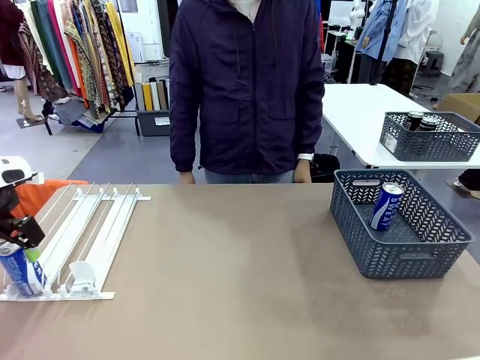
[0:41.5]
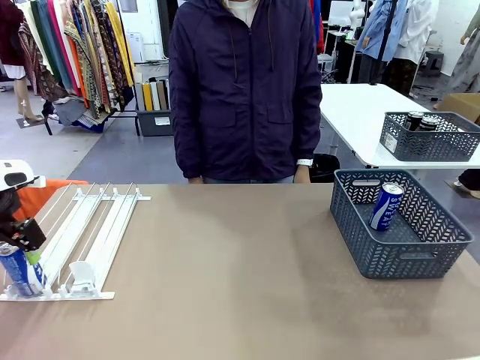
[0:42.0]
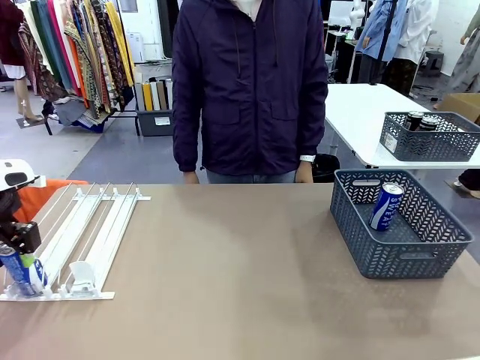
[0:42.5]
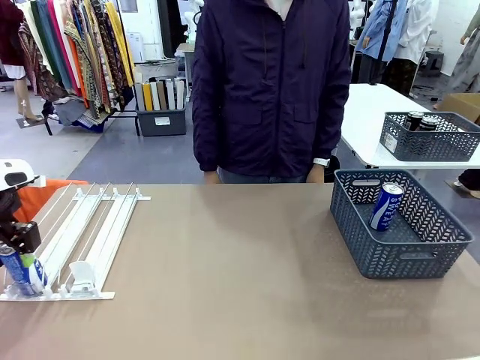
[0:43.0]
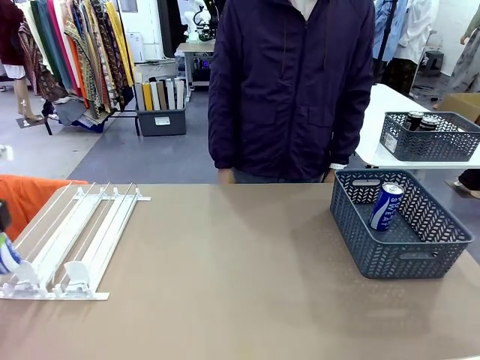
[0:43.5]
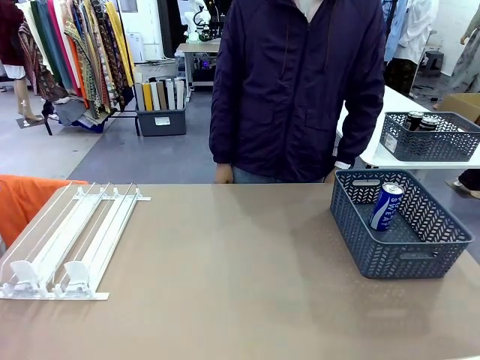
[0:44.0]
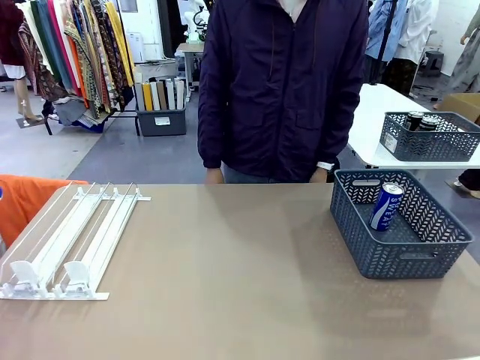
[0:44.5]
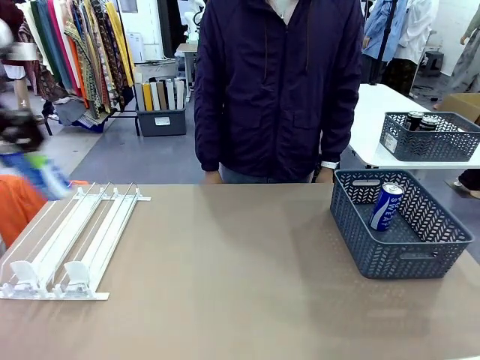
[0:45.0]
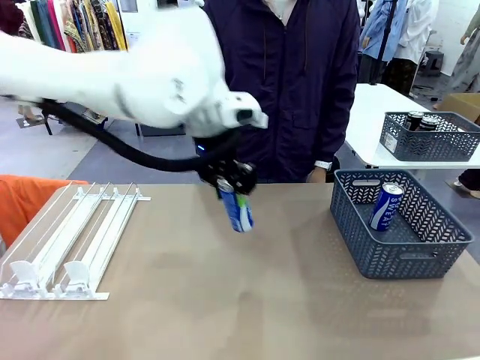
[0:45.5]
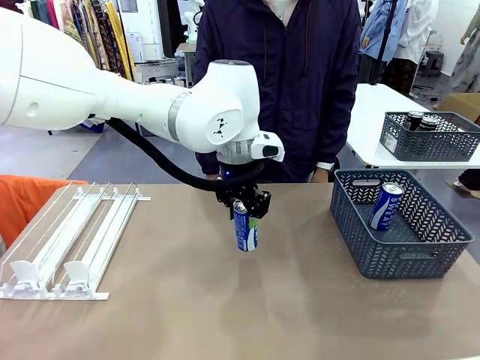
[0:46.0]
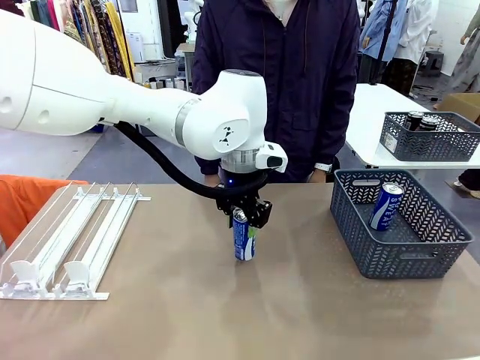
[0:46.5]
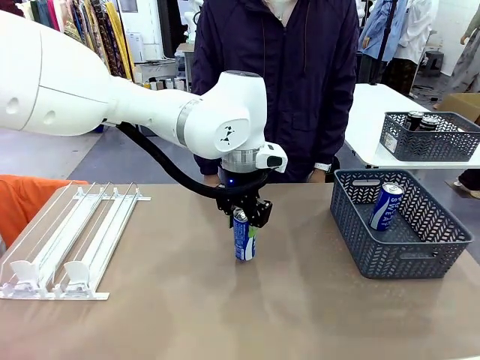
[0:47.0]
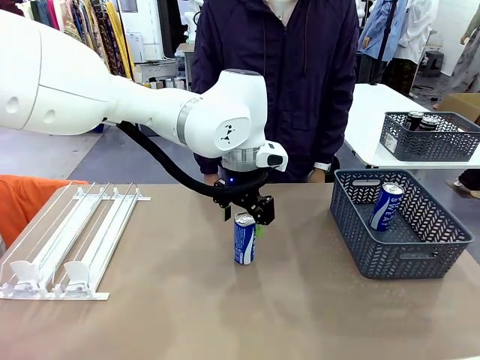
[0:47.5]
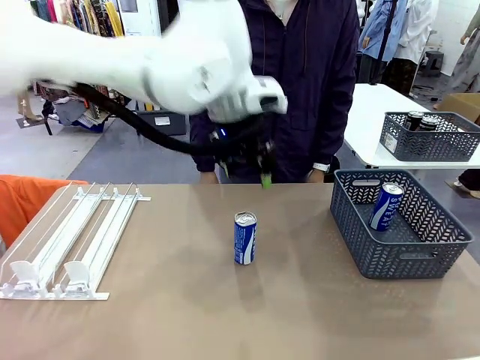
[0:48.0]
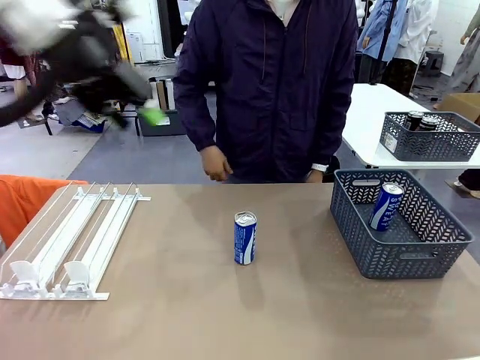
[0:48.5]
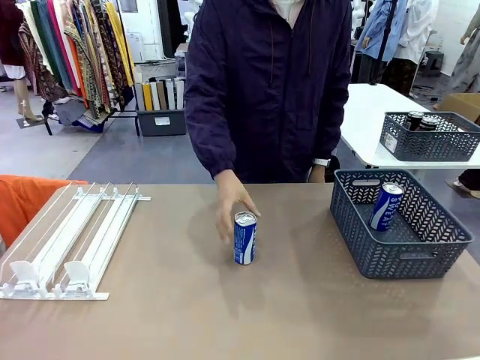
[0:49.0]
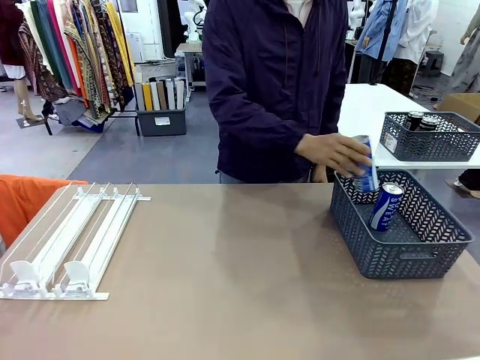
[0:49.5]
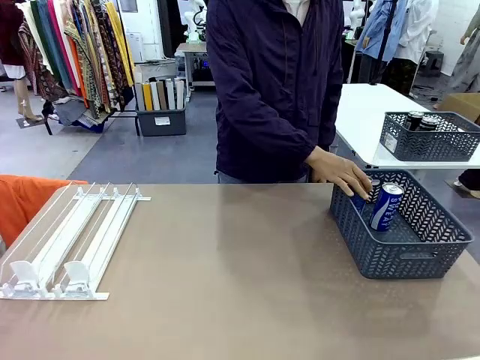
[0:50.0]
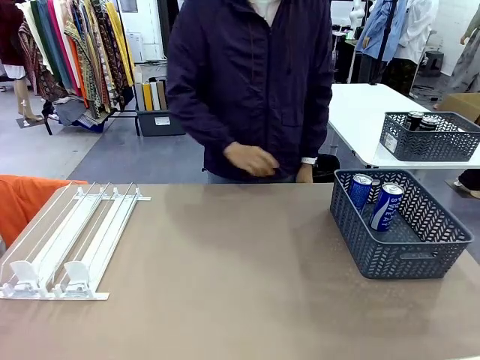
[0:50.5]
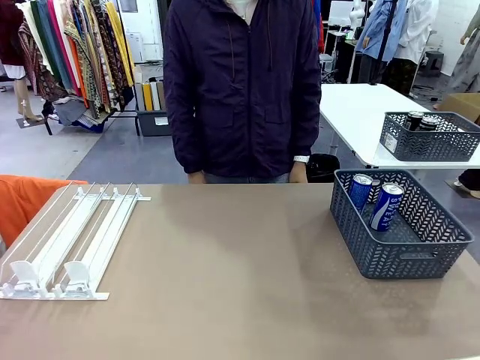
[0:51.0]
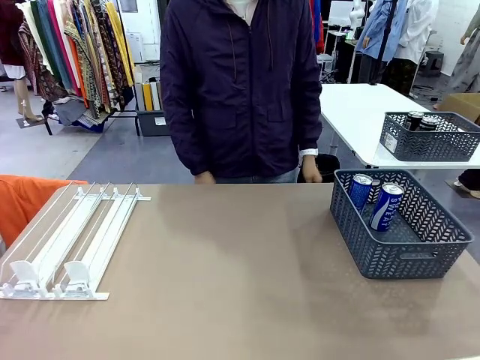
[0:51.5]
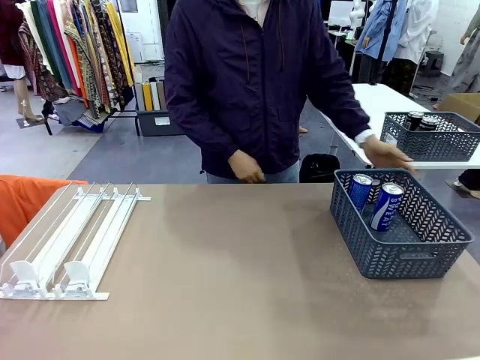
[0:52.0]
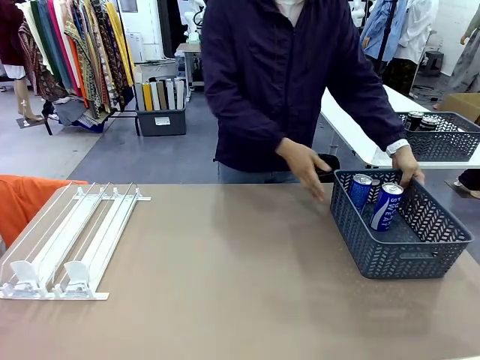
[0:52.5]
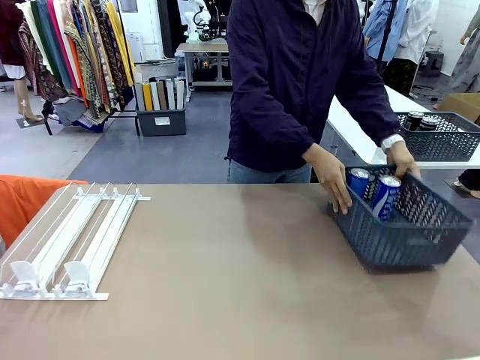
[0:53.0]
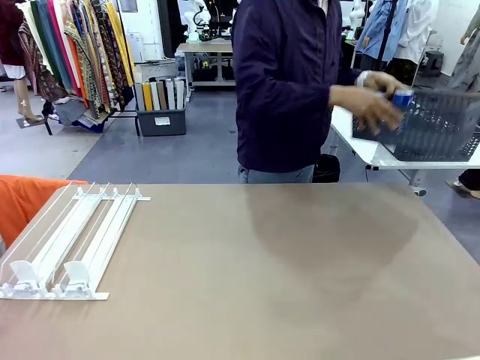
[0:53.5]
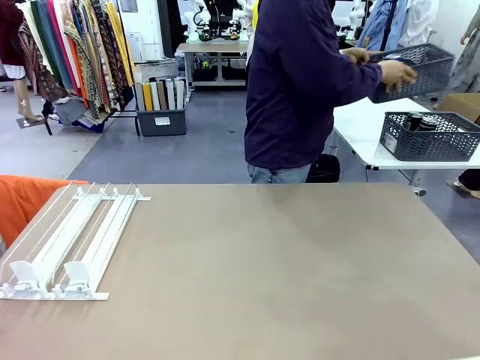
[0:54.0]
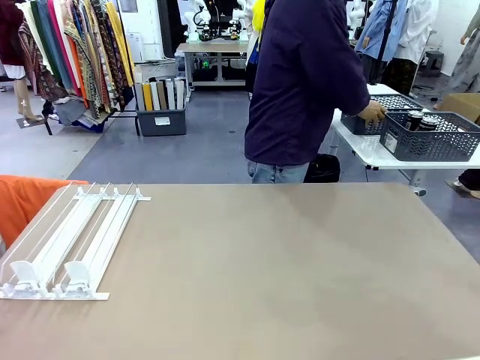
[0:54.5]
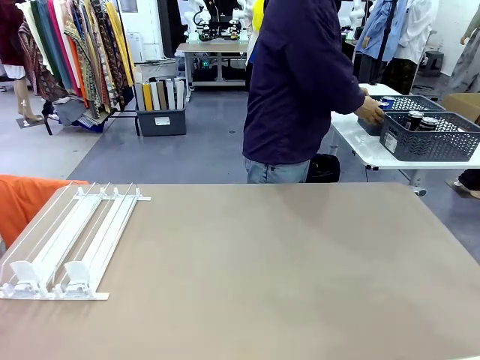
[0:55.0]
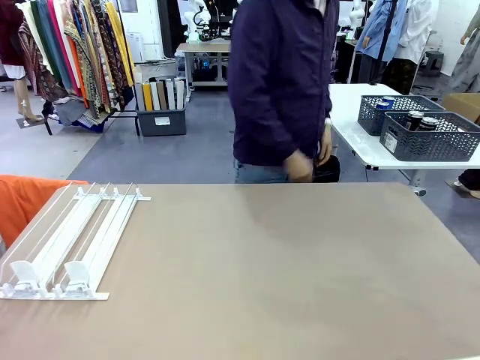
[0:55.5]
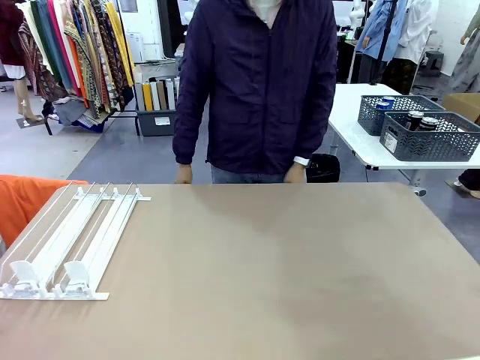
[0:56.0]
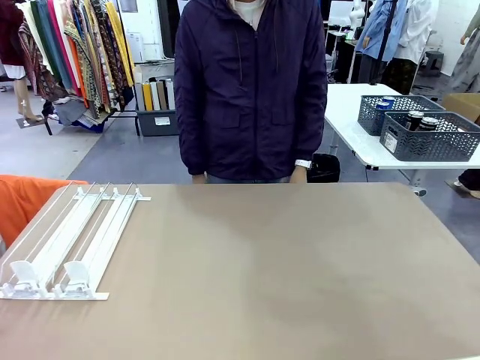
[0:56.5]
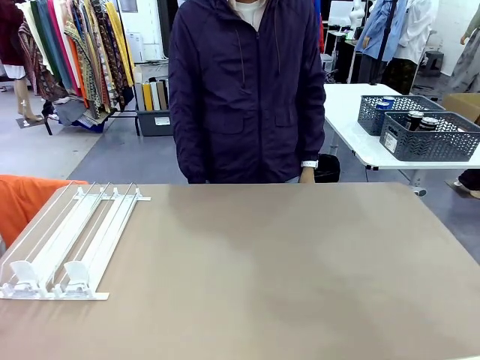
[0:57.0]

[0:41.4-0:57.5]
Task: Retrieve and store the cans from the dispenser.
Robot: Pick up one can from the Automatic Can Dispenser and place it in the middle of the table.
Person: Pick up one sports drink can from the middle of the robot table and place it in the basket. Pick up the basket and place it in the middle of the human table.

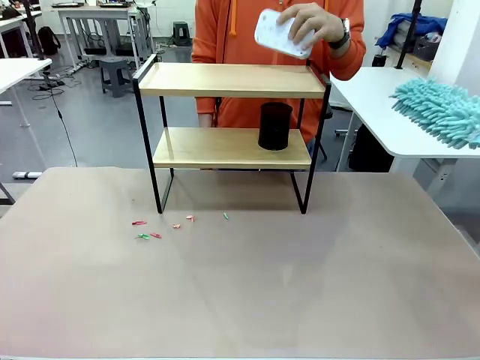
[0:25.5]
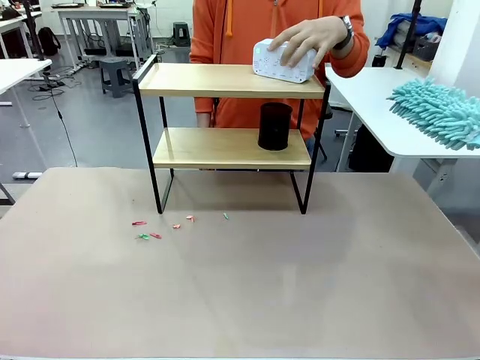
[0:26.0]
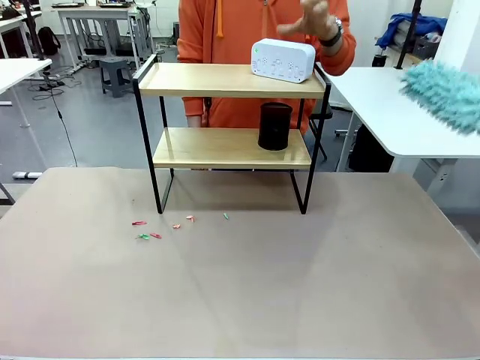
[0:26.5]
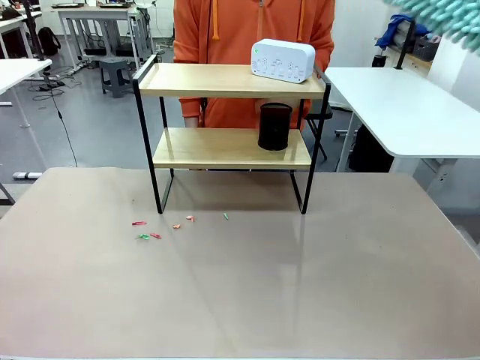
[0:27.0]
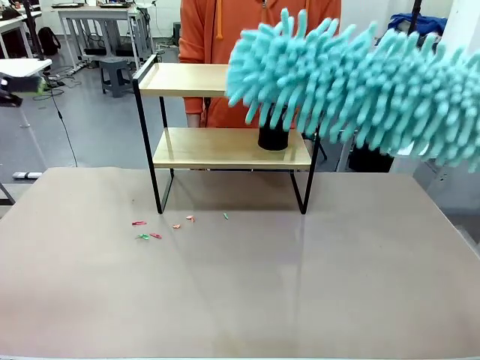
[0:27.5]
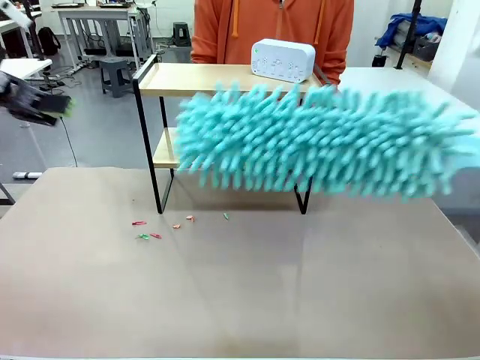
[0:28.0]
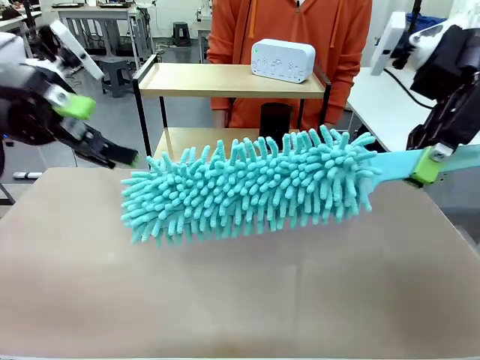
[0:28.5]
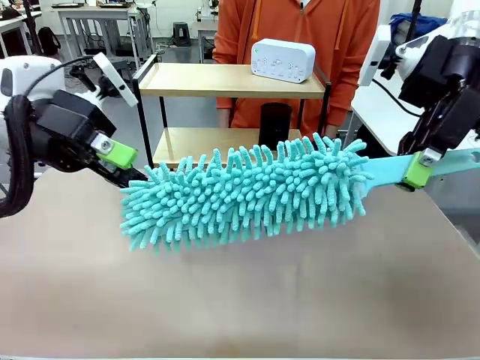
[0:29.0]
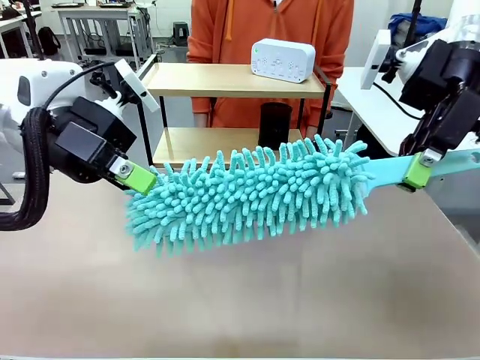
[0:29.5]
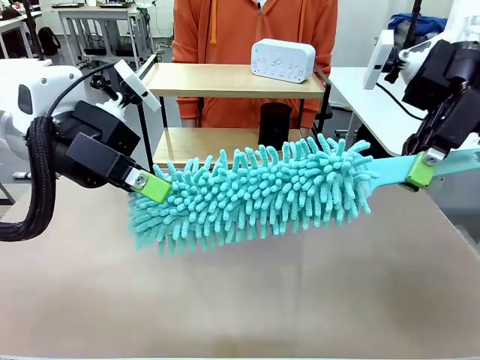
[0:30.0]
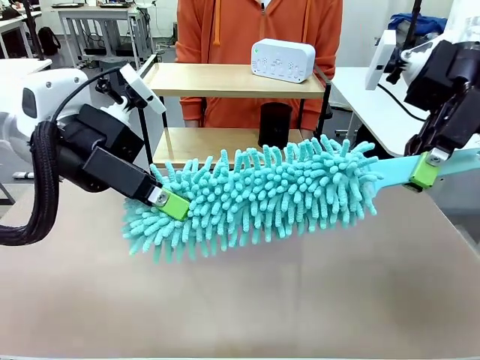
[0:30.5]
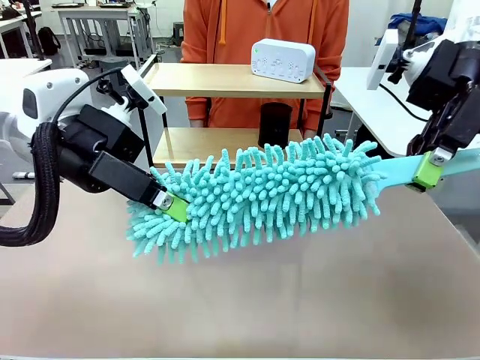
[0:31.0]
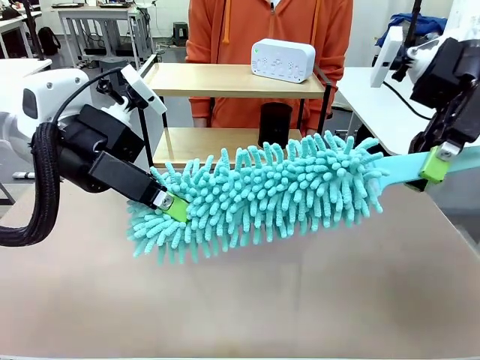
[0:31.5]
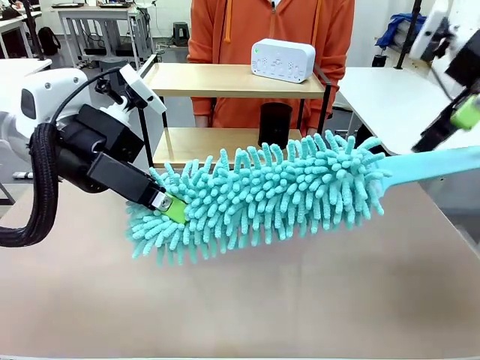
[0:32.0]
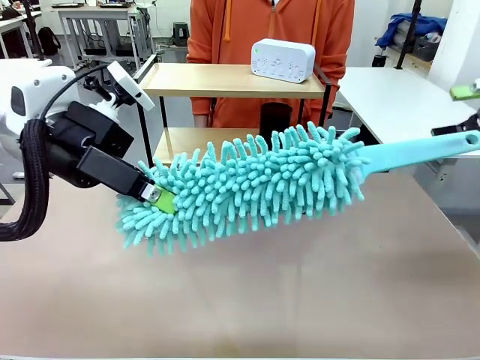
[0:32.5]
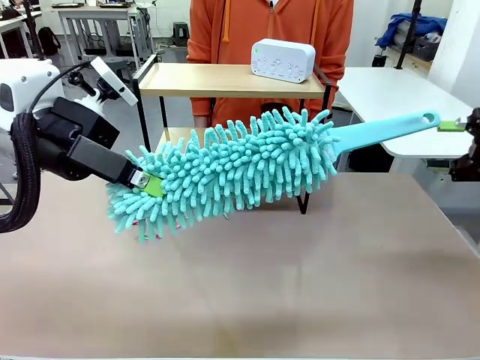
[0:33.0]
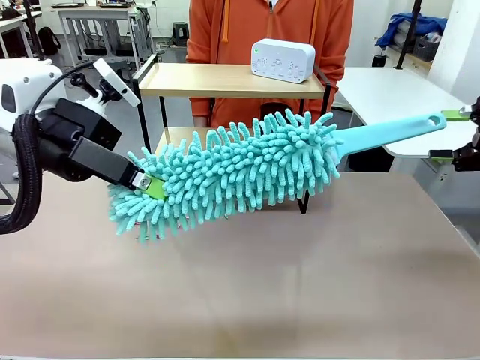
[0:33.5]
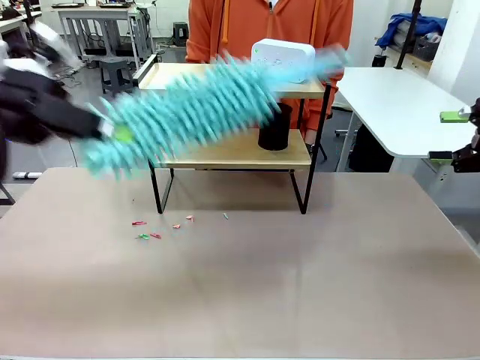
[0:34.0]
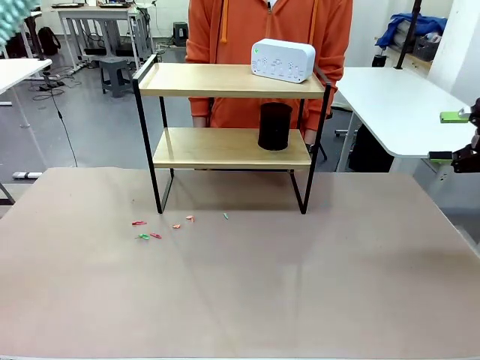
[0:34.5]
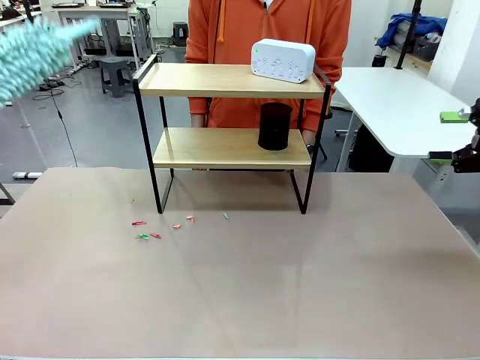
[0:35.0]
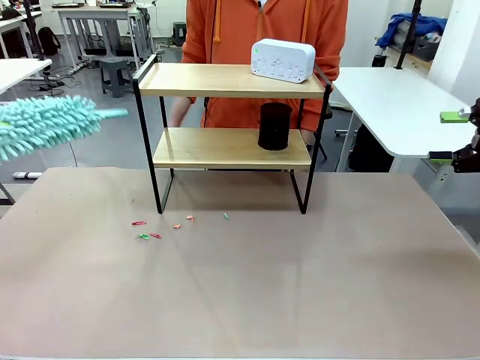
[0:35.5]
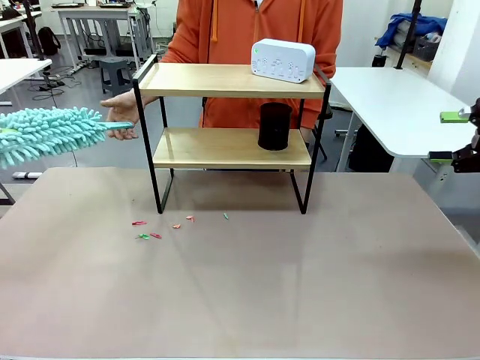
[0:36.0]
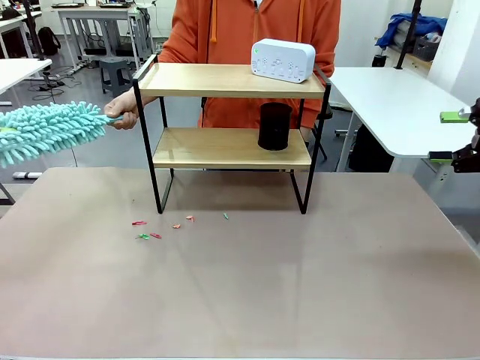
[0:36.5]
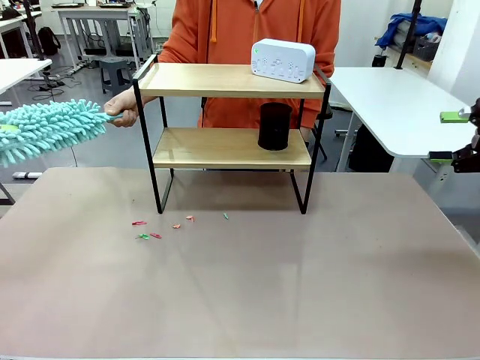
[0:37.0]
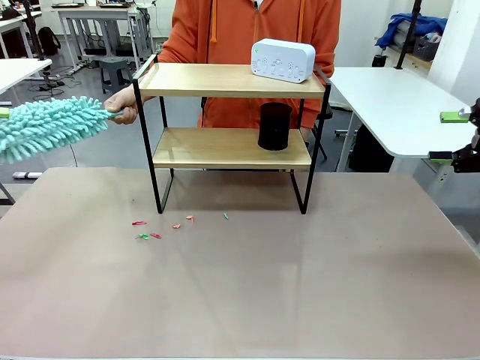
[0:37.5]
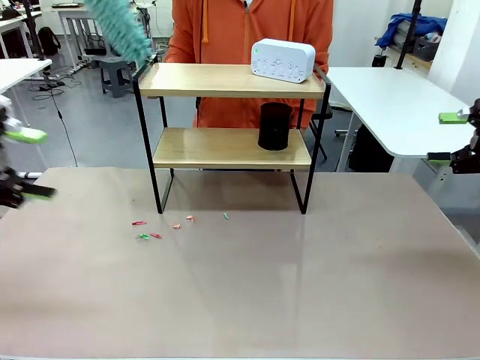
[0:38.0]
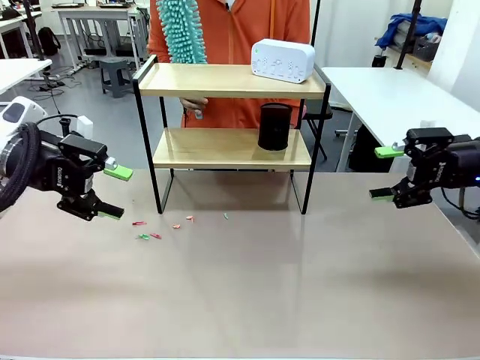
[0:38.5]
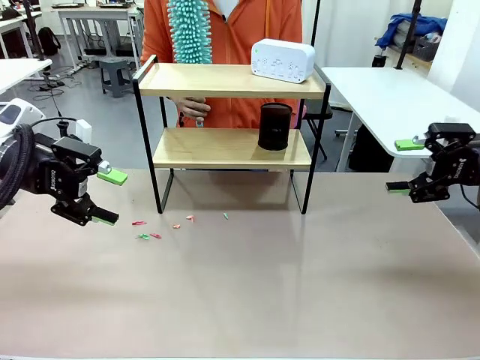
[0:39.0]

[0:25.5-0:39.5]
Task: Clean the shelf.
Robot: Hand the Duster back to the human.
Person: Receive the Duster from the robot.
